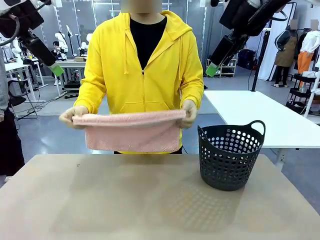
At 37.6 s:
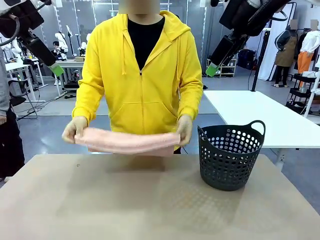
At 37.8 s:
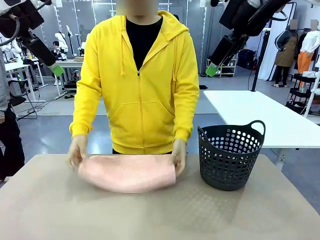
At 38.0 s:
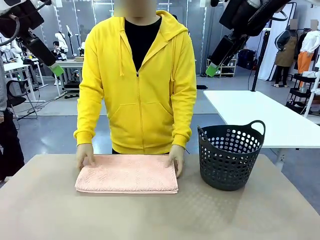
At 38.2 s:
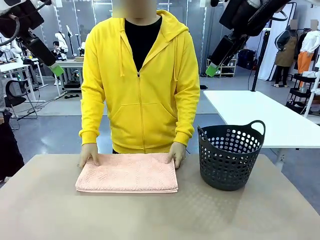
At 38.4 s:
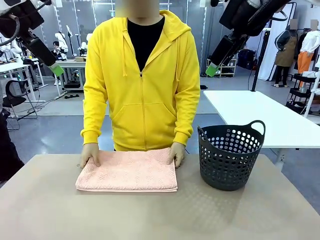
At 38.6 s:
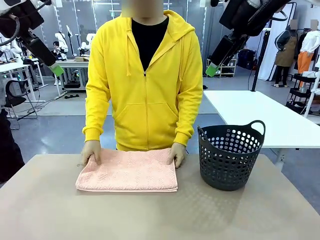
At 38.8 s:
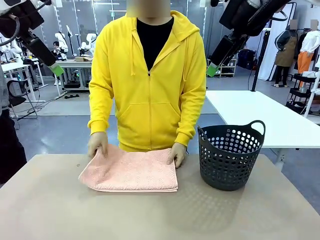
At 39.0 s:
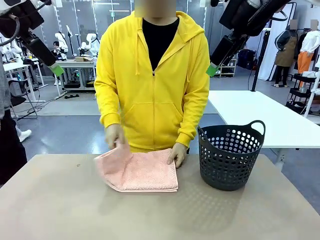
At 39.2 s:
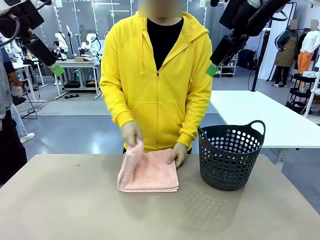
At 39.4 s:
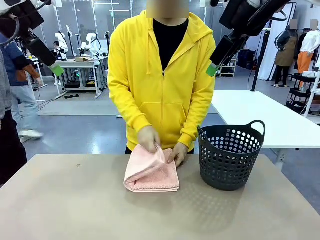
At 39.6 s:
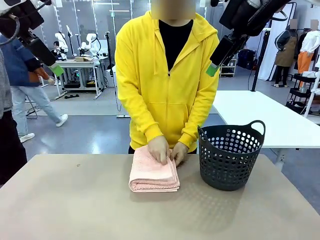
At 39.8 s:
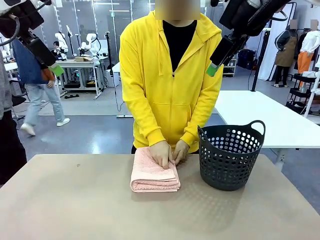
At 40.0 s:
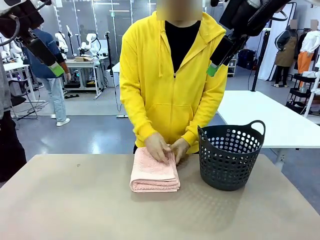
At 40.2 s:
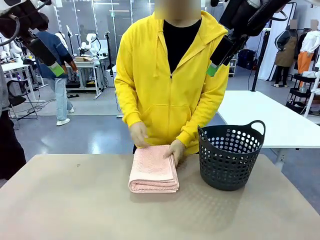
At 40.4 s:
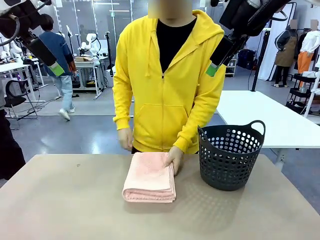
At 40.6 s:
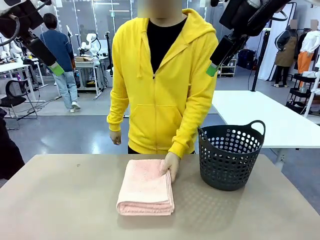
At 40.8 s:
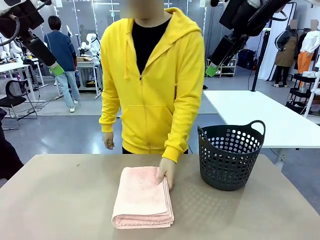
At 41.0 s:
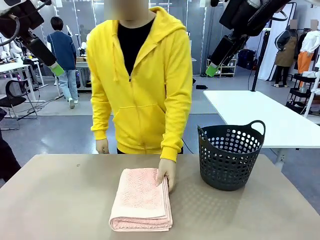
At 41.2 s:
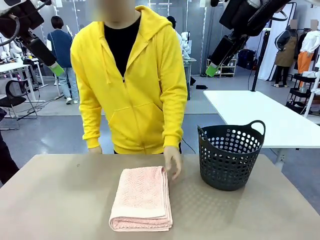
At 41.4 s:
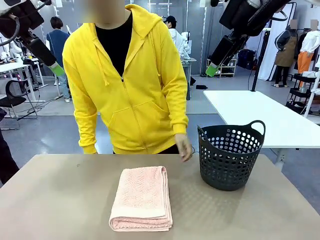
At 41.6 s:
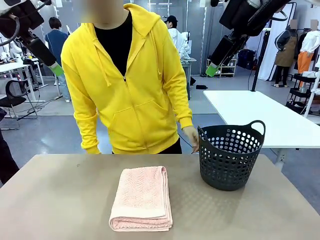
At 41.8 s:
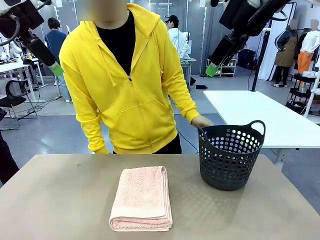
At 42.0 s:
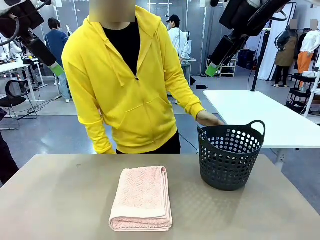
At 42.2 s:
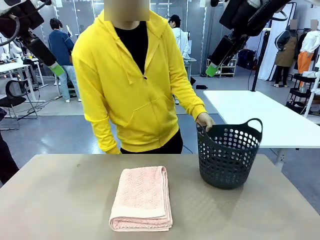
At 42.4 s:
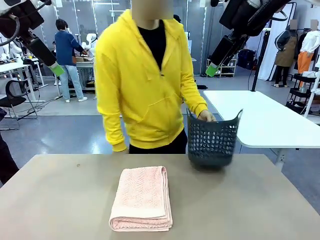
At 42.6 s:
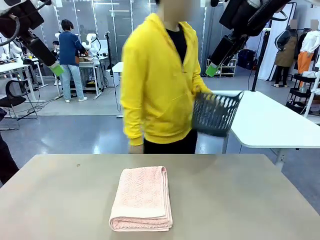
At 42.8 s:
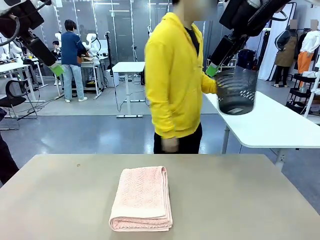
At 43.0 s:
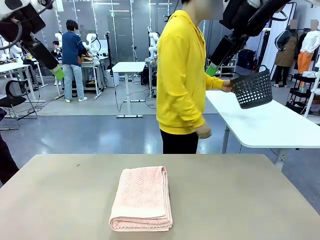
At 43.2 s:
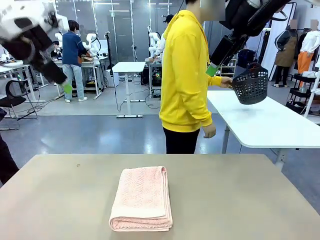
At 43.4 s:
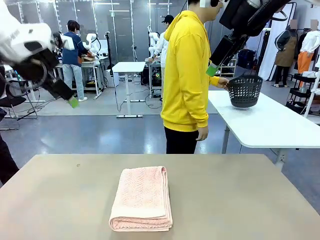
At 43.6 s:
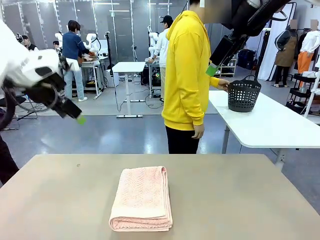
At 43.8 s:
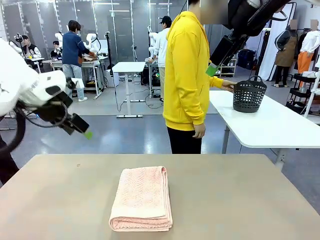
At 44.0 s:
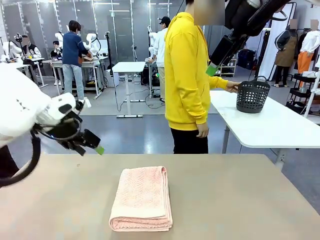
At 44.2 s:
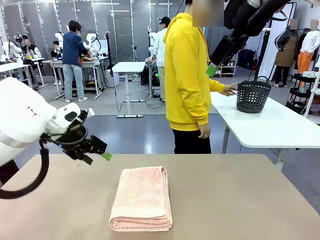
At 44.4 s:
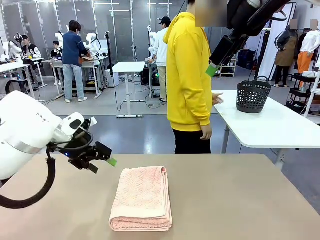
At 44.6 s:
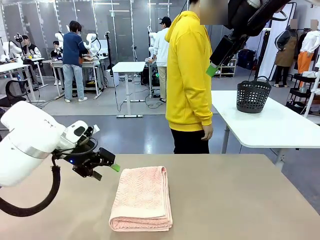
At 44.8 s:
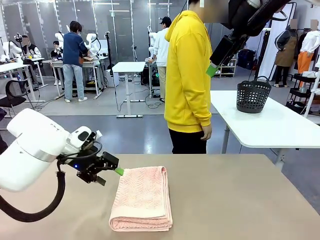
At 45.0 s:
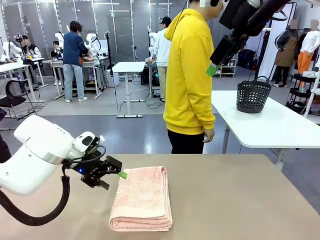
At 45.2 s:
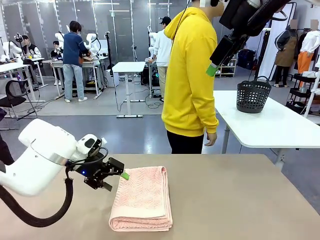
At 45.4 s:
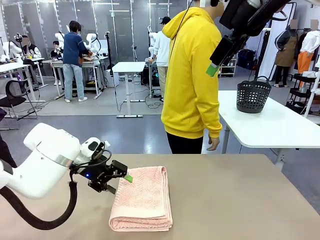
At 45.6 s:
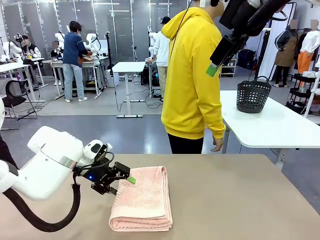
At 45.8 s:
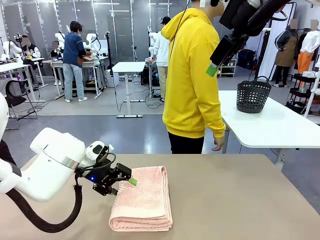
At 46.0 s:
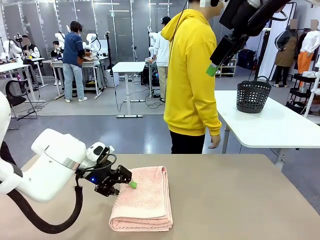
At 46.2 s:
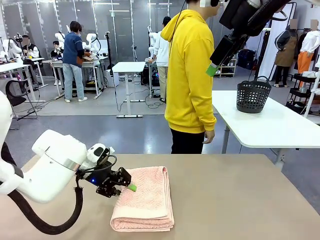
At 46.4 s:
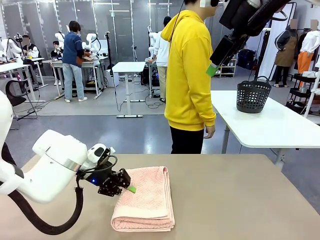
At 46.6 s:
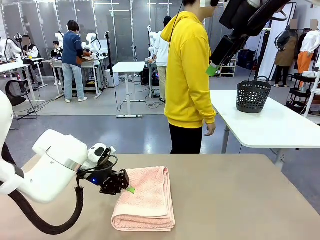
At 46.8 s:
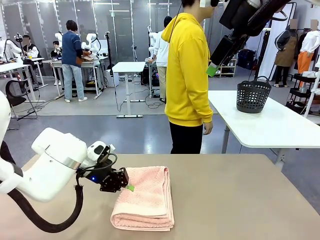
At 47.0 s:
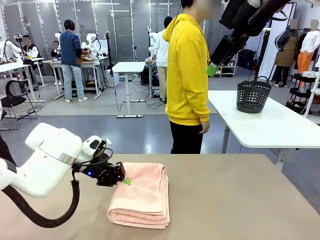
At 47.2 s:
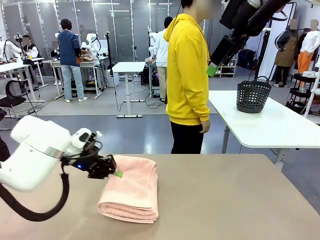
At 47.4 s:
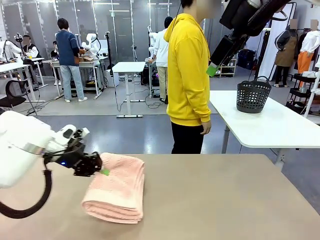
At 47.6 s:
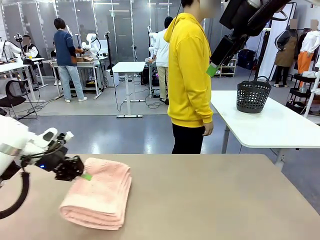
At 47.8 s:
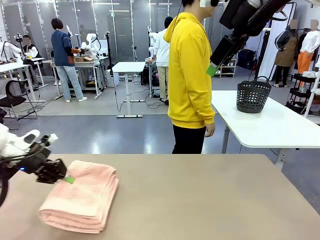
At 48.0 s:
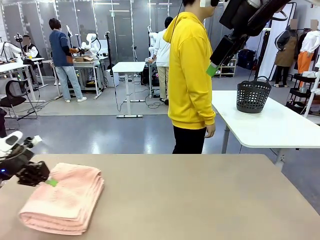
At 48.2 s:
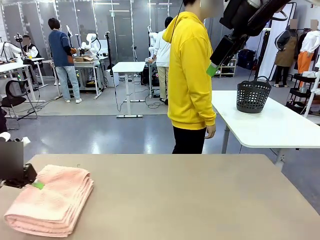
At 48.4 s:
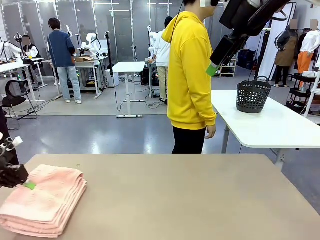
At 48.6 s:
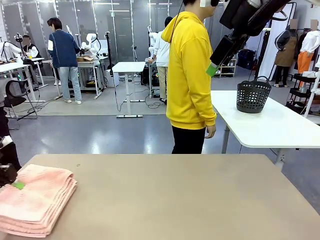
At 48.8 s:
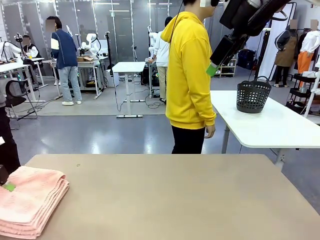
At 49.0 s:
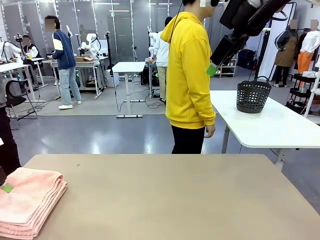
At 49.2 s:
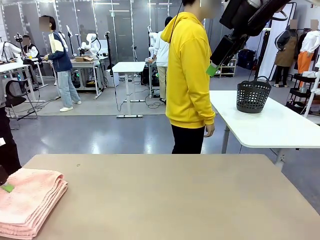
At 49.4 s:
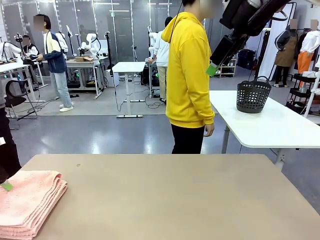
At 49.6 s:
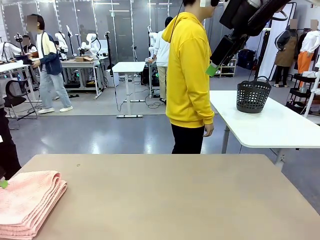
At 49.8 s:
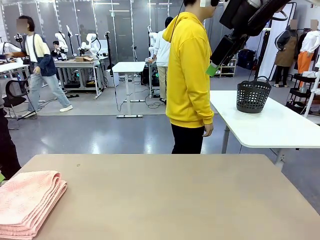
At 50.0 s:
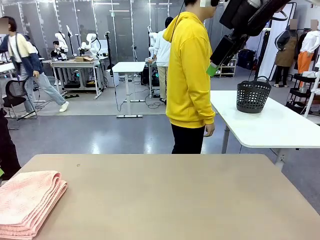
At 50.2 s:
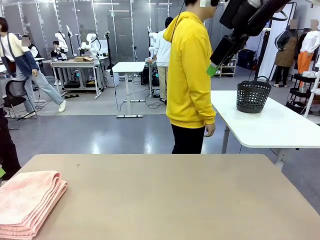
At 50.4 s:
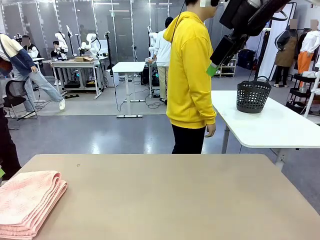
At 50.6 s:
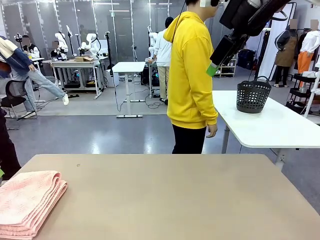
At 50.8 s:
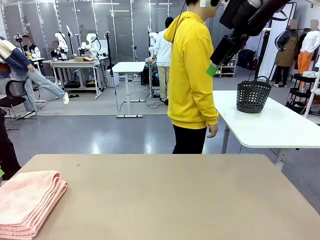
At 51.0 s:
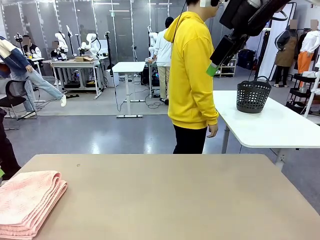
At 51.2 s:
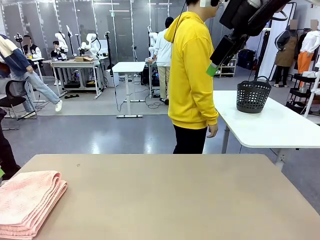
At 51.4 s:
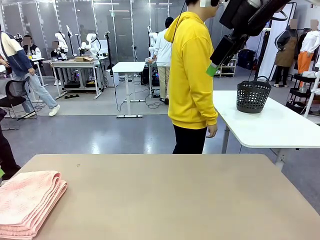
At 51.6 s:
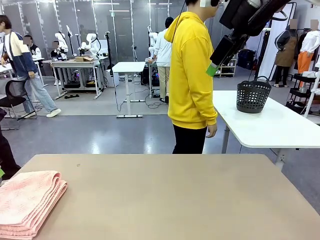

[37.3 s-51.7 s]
Task: Fold the towel.
Robot: Pick up the 100 cm Hotel Towel and place it on the left side of the table.
Person: Place the towel at the center of the robot table and fold it in half. Pick up the laundry basket and place it at the center of the human table.
